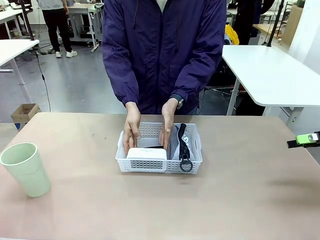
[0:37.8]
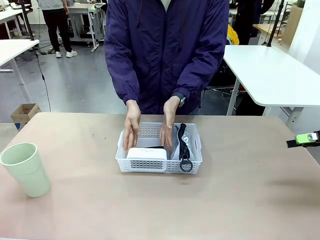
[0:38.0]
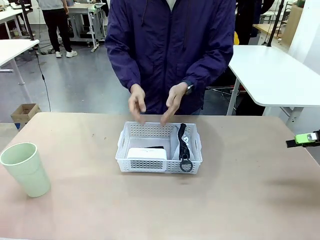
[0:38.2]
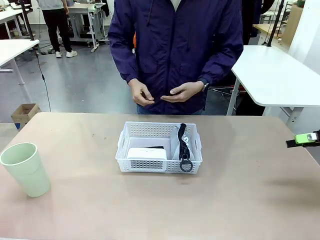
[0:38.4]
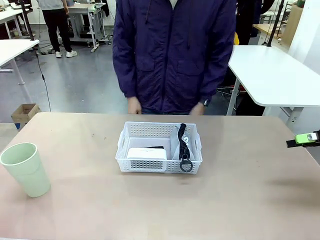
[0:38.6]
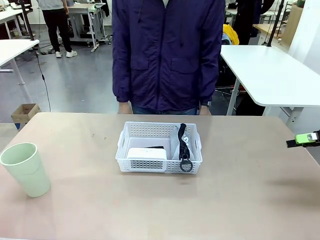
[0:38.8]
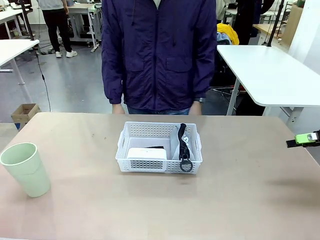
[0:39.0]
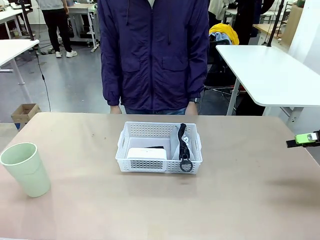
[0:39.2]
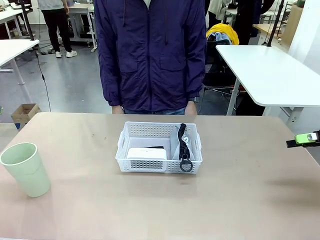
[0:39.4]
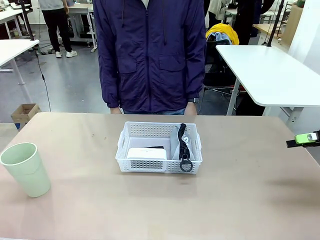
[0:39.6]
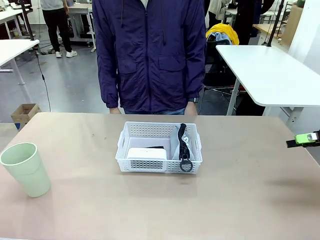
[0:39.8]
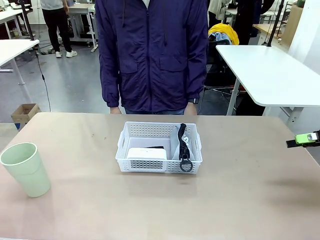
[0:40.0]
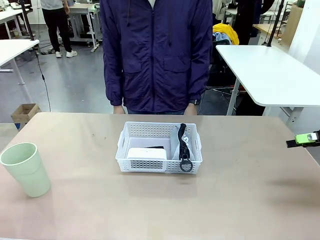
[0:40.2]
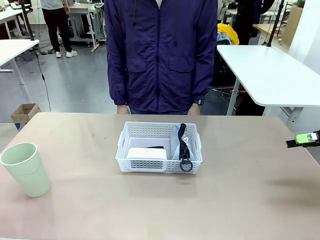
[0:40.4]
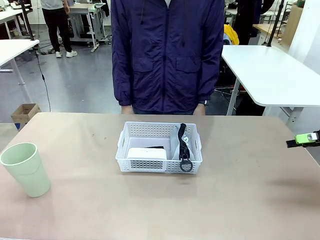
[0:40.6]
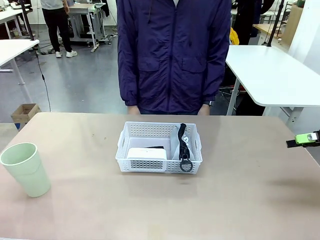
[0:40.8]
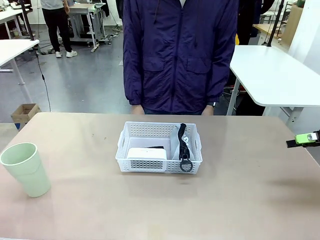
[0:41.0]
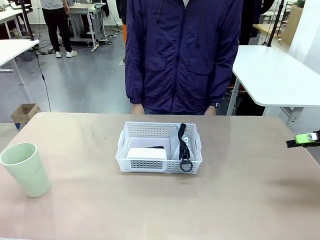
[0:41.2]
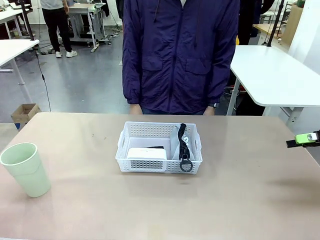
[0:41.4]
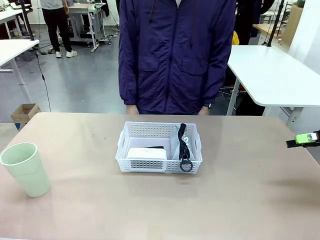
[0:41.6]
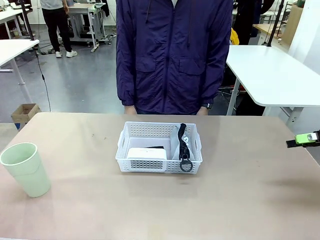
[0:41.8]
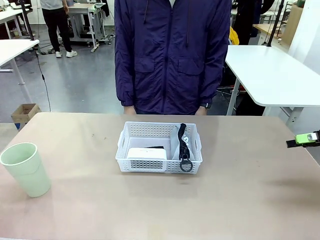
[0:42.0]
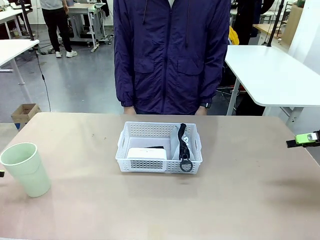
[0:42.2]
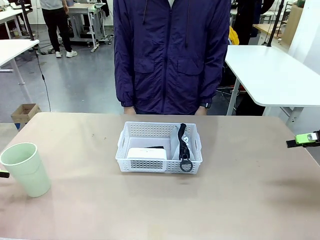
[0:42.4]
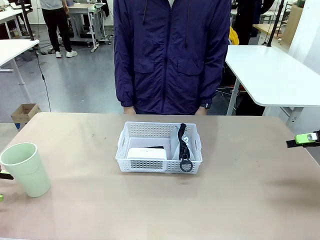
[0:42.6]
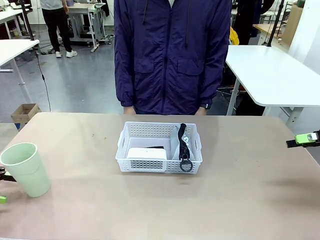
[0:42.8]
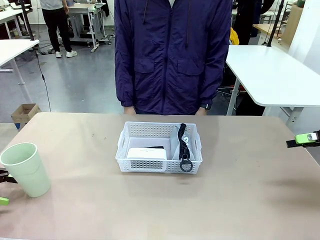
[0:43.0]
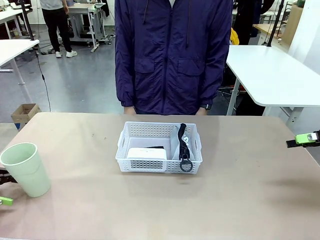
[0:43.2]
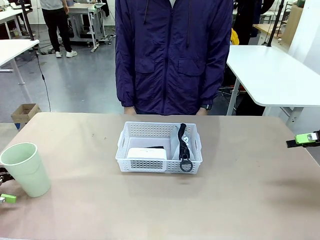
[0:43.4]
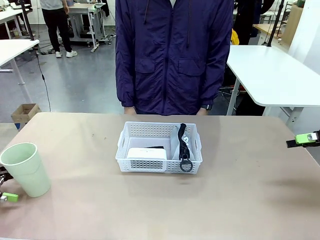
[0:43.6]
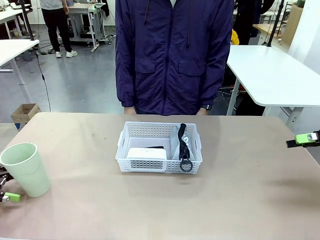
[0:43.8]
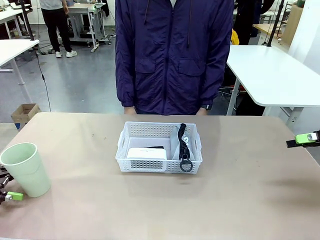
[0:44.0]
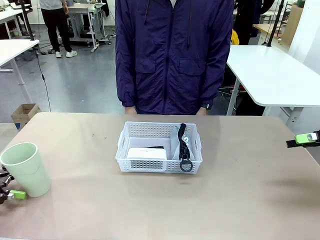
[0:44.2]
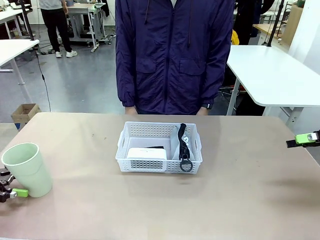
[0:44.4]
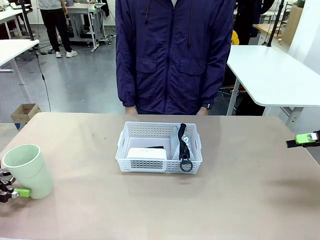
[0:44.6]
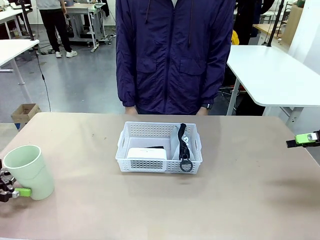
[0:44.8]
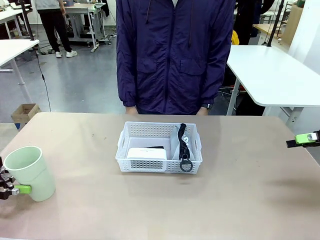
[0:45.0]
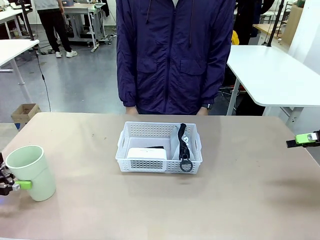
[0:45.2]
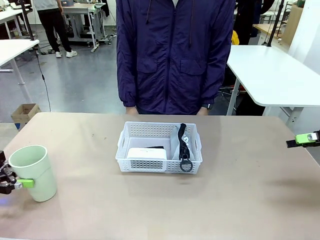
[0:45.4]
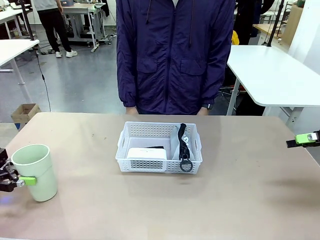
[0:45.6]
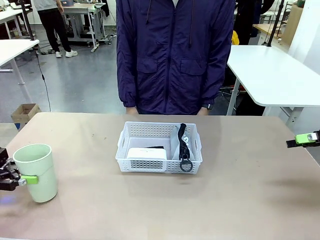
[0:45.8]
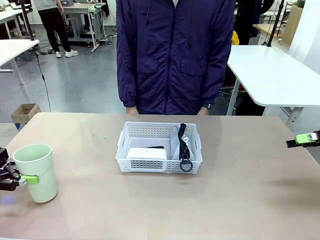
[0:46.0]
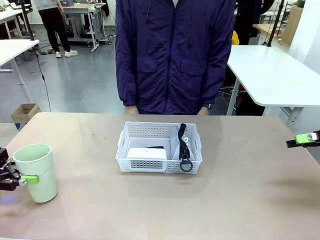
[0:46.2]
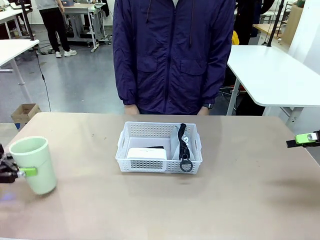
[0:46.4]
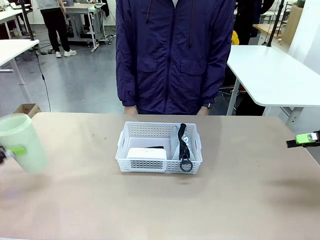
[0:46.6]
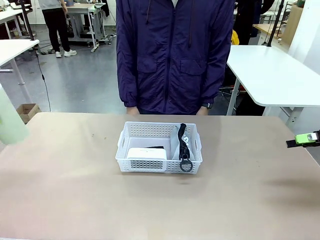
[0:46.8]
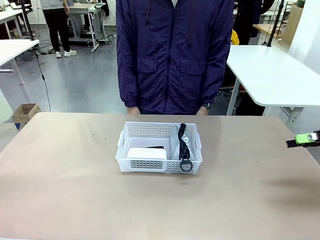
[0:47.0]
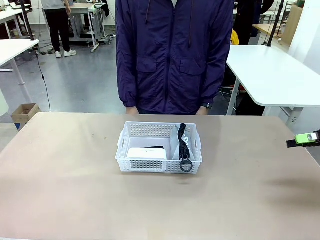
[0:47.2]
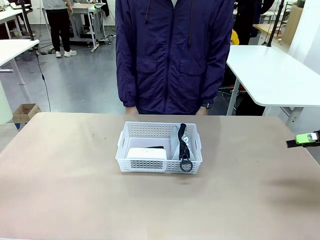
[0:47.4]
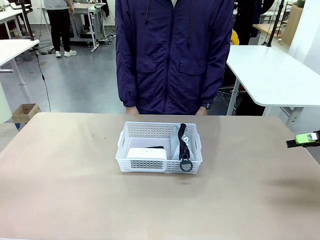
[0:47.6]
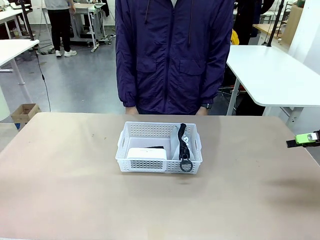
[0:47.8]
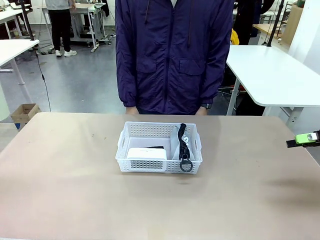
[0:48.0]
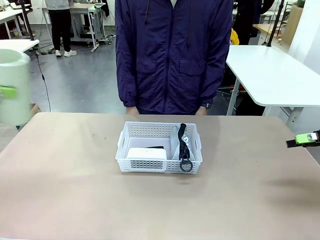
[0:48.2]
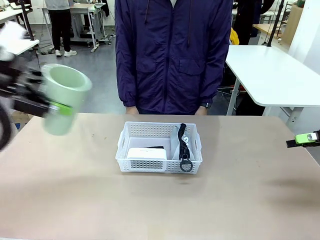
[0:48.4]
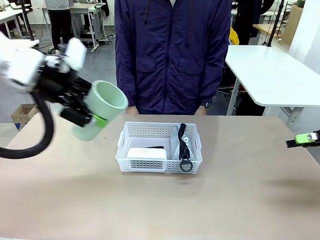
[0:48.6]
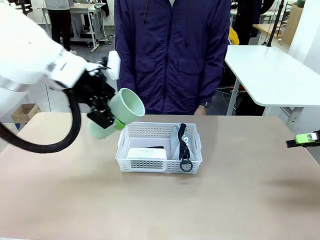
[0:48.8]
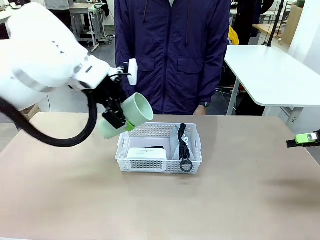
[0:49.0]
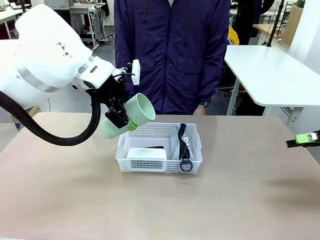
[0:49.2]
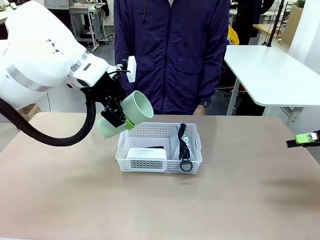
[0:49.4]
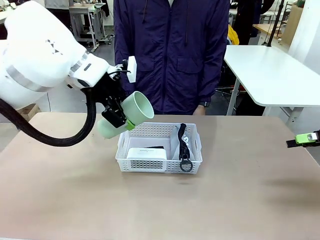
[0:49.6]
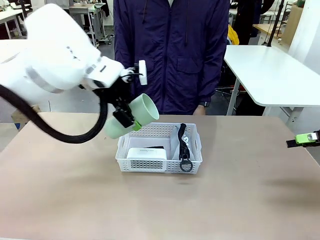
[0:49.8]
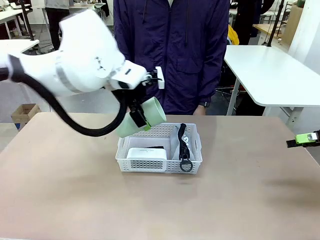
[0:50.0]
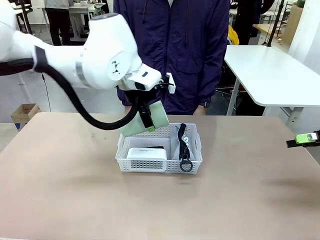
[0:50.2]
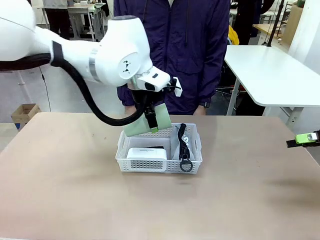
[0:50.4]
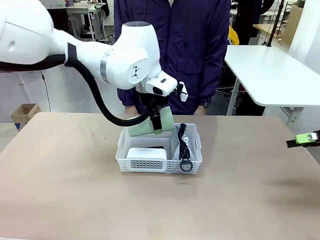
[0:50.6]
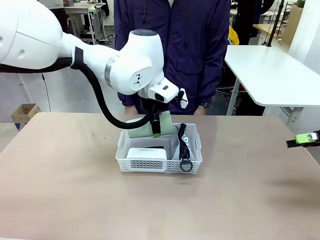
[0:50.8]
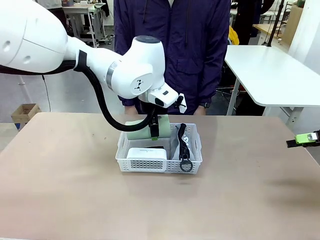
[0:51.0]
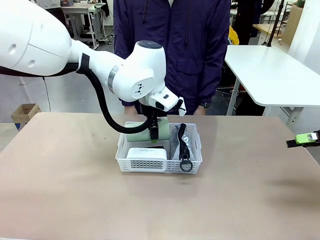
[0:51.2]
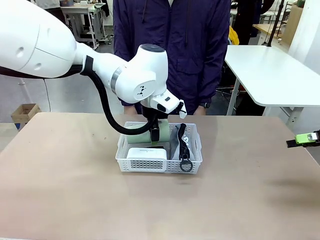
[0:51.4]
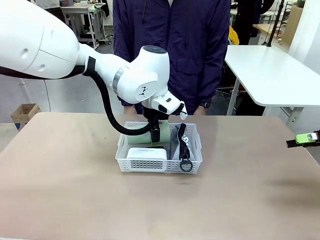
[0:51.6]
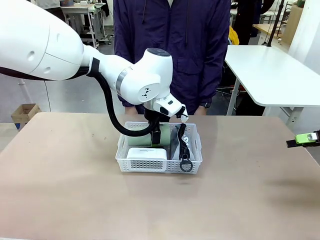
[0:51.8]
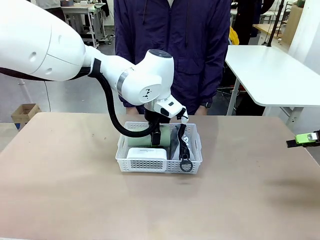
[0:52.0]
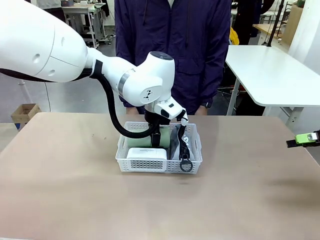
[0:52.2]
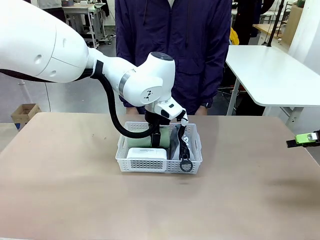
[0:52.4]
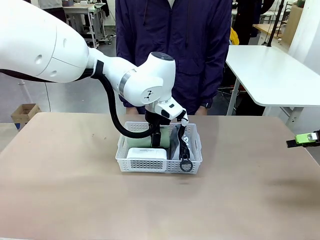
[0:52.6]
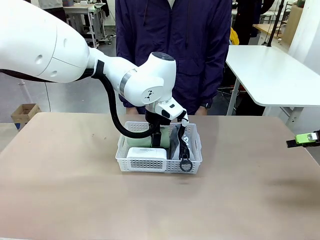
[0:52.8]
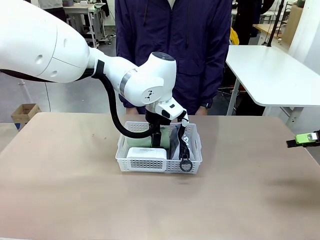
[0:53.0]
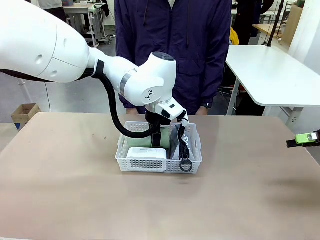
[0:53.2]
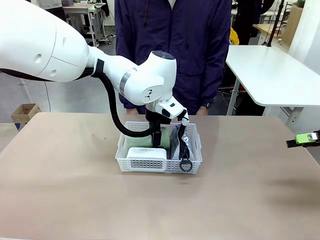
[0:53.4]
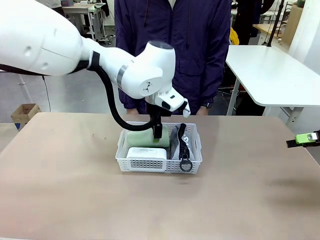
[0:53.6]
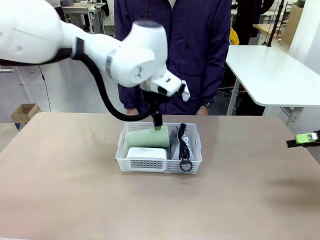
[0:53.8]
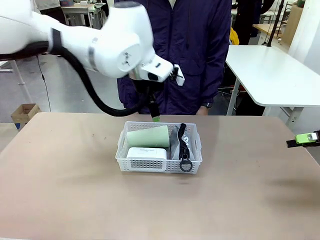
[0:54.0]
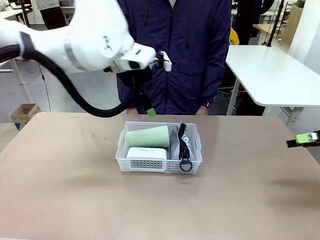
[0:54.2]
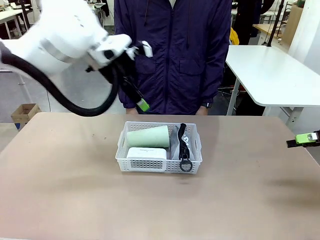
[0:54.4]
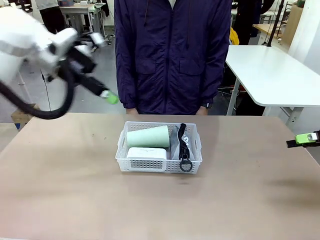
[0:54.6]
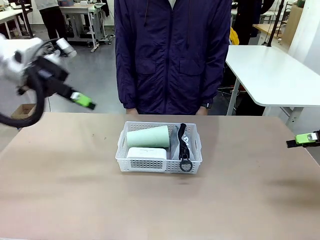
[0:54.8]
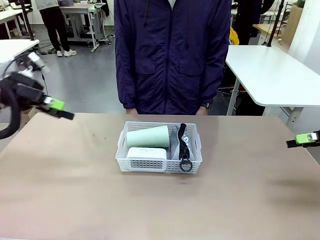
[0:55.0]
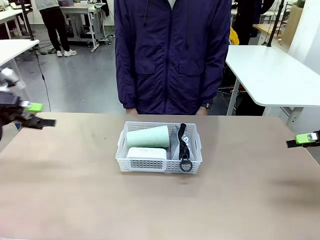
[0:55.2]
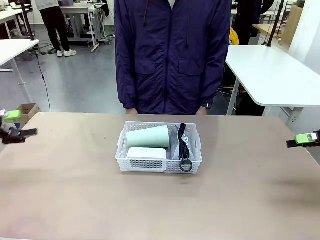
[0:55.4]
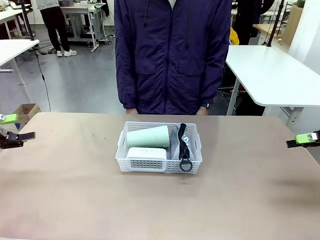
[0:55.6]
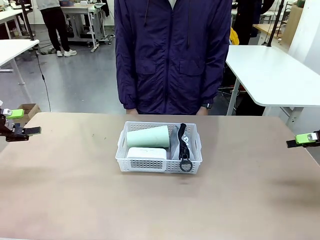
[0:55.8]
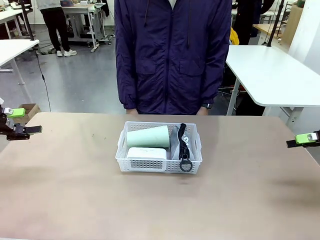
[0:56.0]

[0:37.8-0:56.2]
Task: Efficiently arrange items inside the basket to fit them all.
Robot: Pick up the Reusable plastic cup and place it inside the Organizing basket.
Person: Repositions the stapler.
